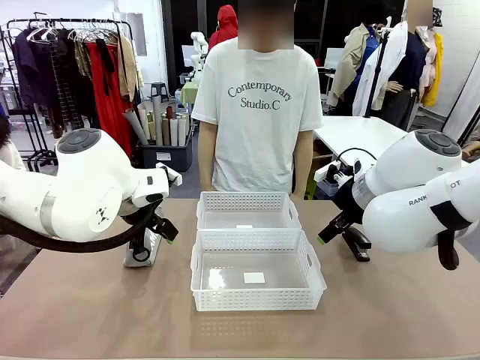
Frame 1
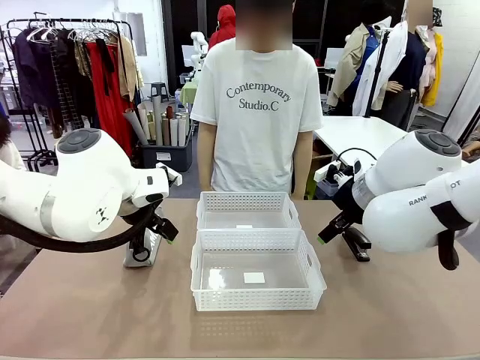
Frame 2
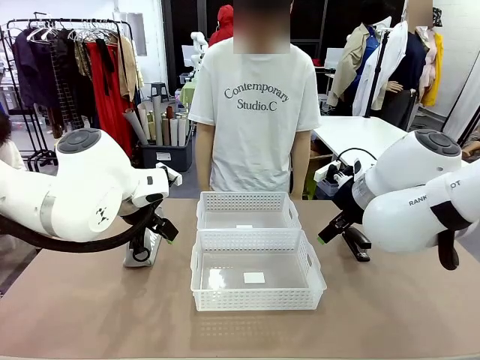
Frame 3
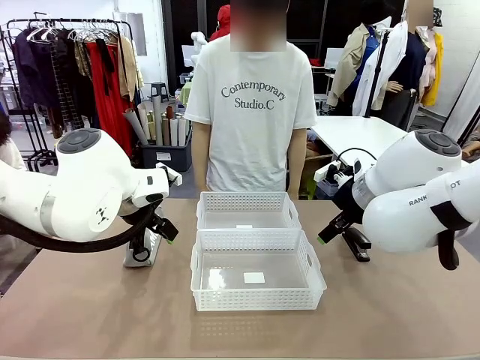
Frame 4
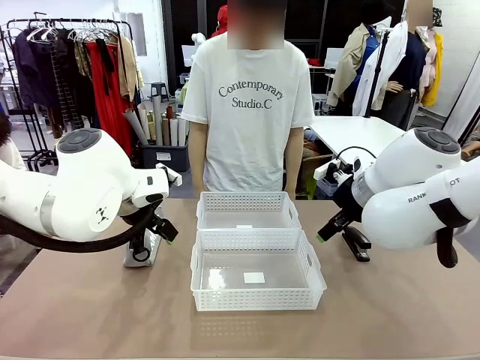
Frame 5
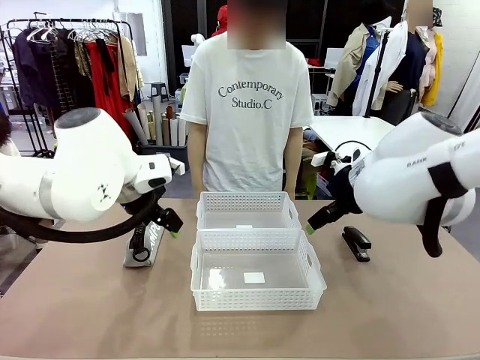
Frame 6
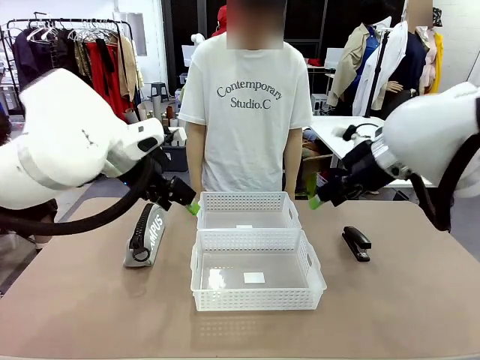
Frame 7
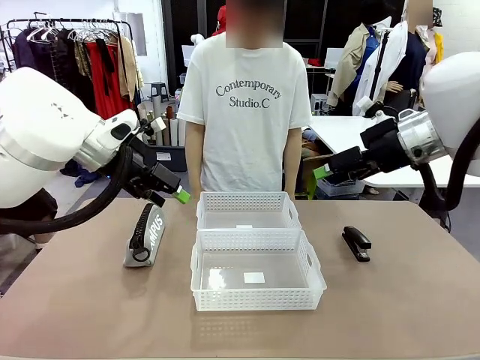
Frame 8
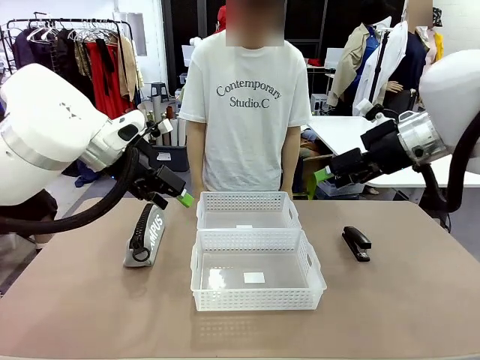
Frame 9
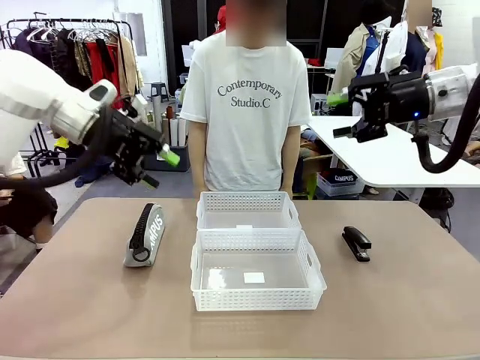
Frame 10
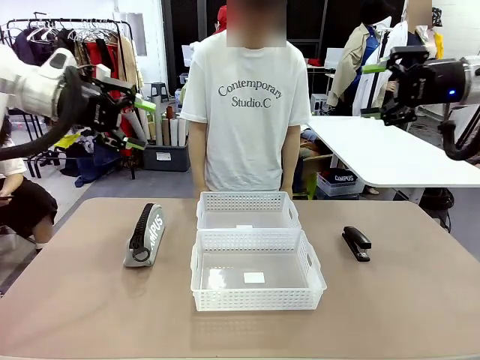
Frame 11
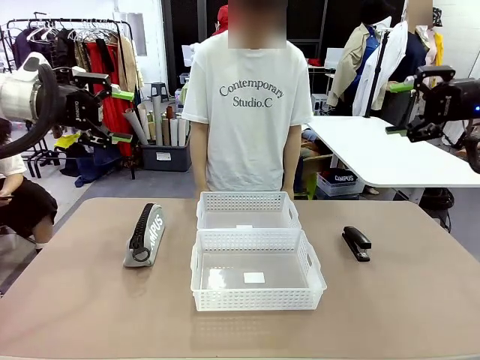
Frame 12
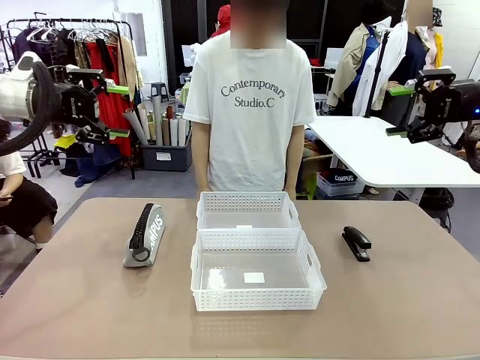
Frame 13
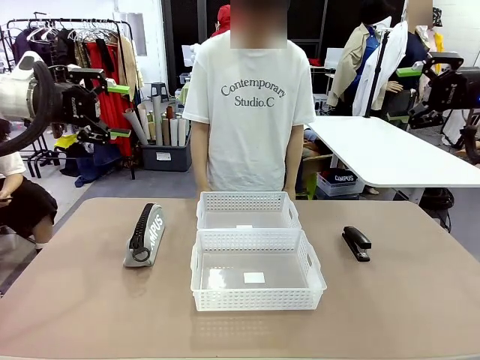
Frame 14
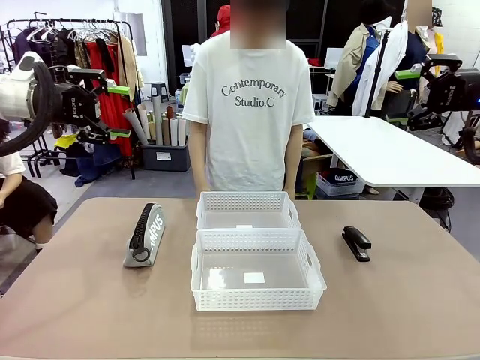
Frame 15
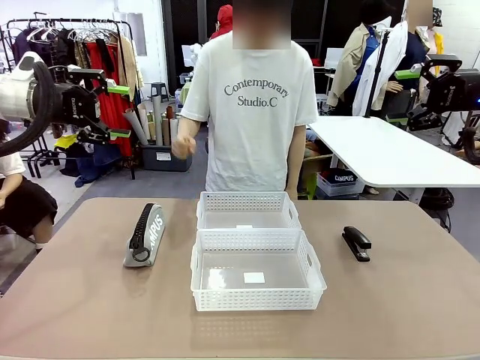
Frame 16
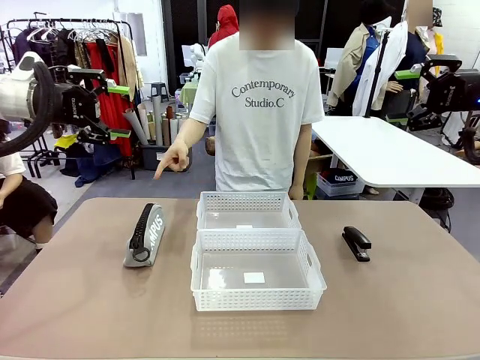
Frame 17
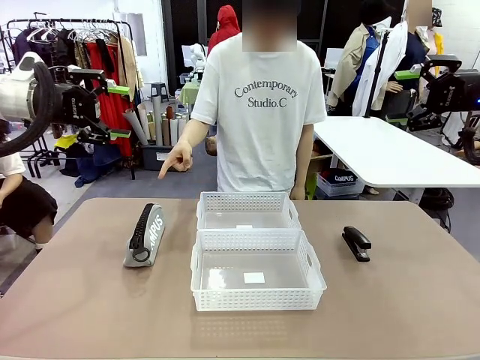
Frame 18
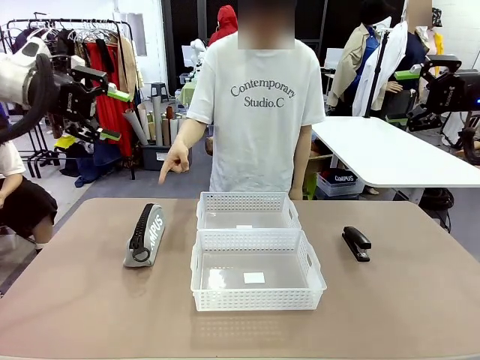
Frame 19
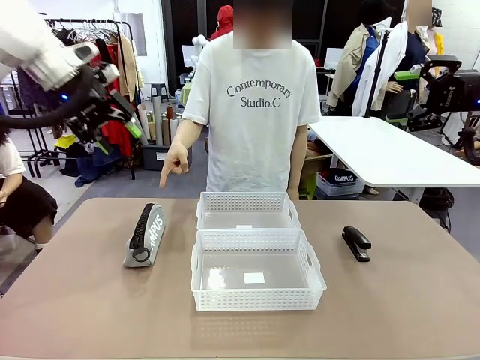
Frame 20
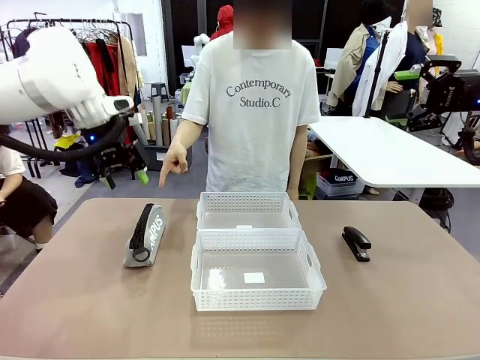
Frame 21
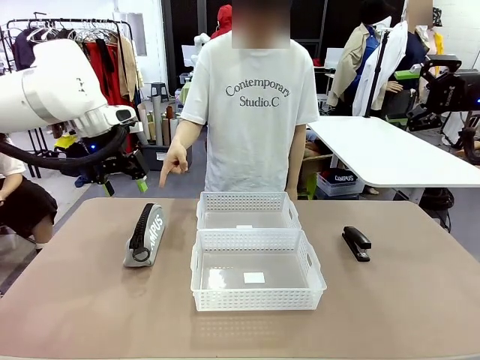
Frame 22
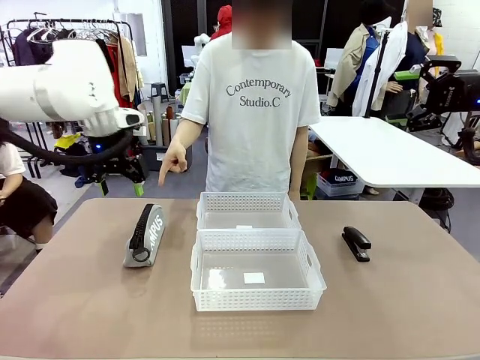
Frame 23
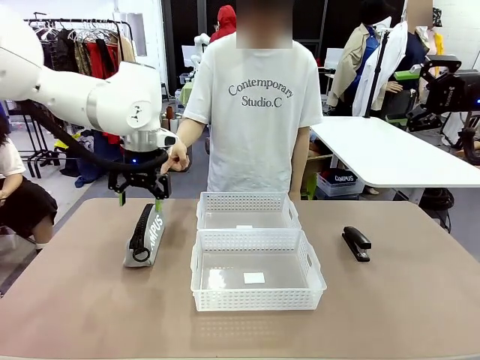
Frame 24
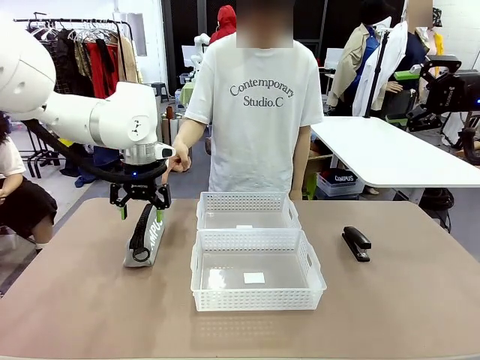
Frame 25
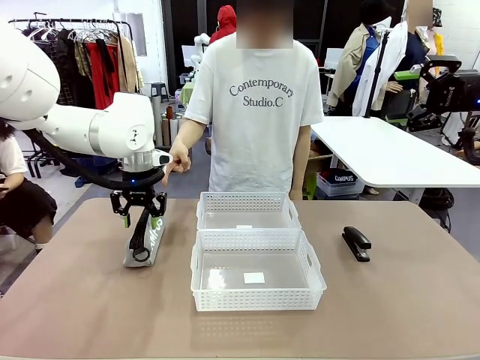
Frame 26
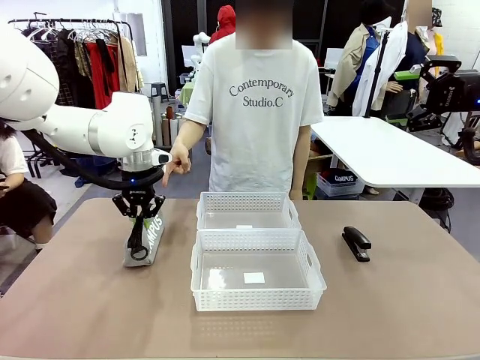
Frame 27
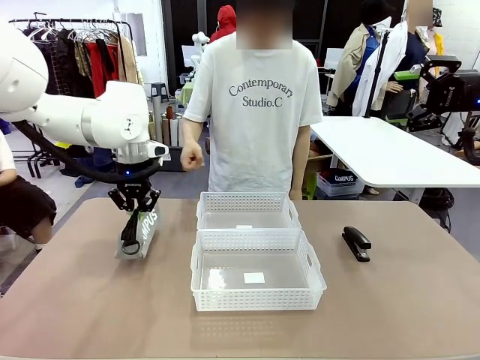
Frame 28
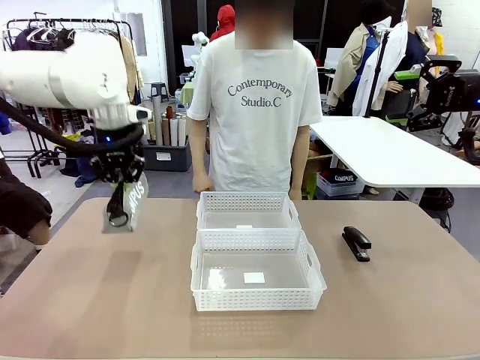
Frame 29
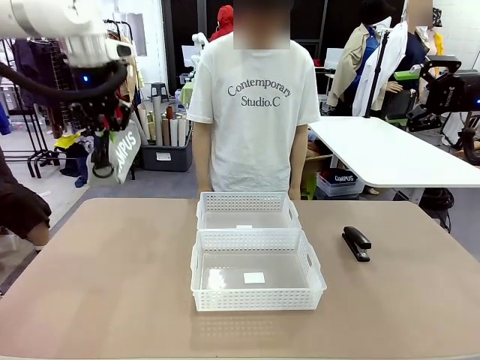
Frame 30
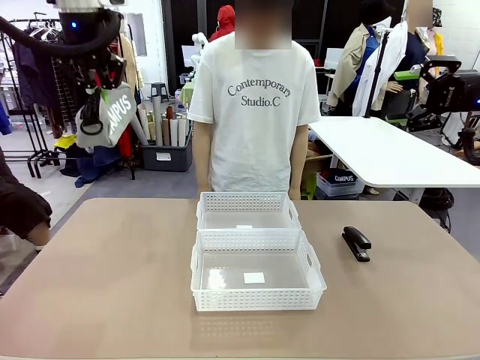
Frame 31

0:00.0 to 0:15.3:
Task: Distribute items into two baskets.
Robot: Pick up the Pencil pouch that the person points to.
Person: Points to the pencil case. Points between the two organizing baskets and instructs the robot to move the pencil case.

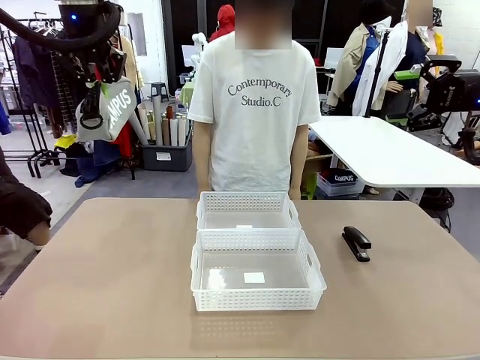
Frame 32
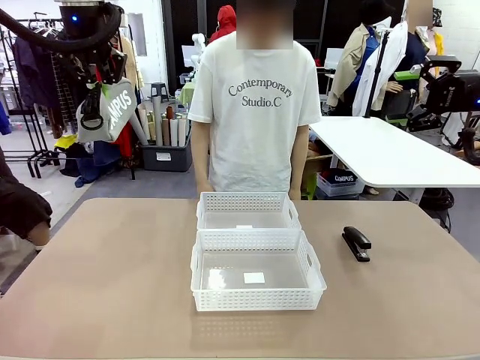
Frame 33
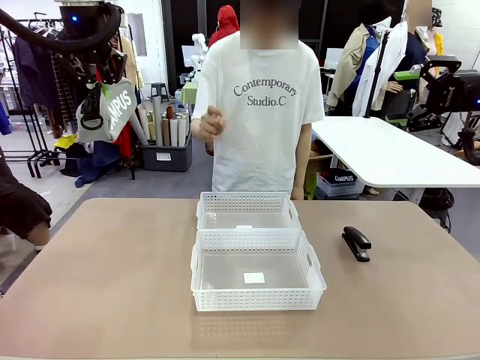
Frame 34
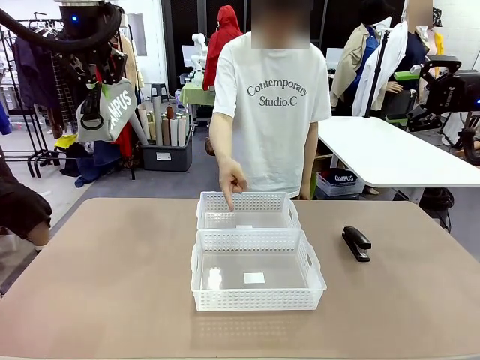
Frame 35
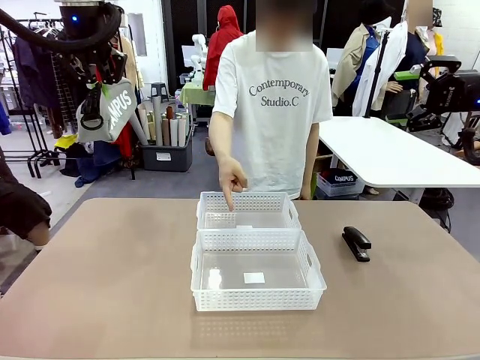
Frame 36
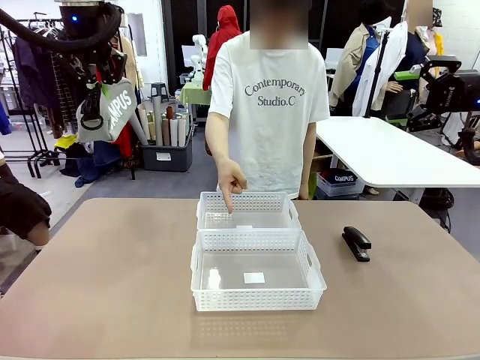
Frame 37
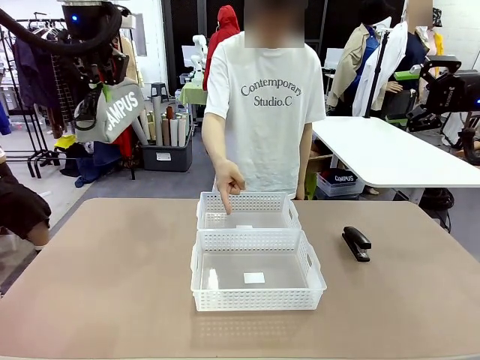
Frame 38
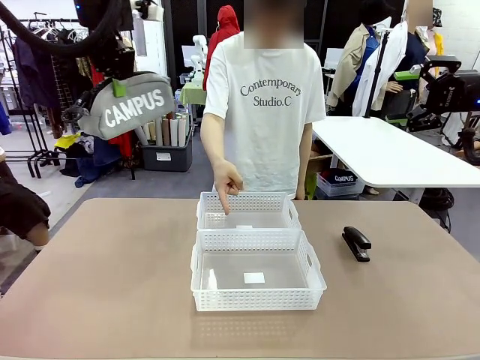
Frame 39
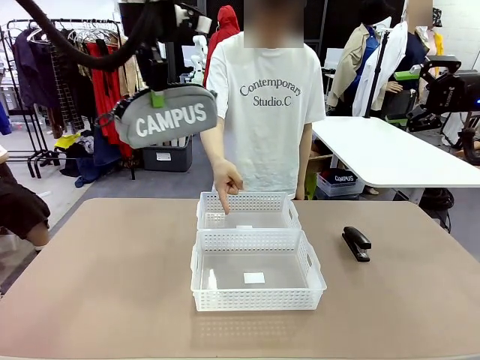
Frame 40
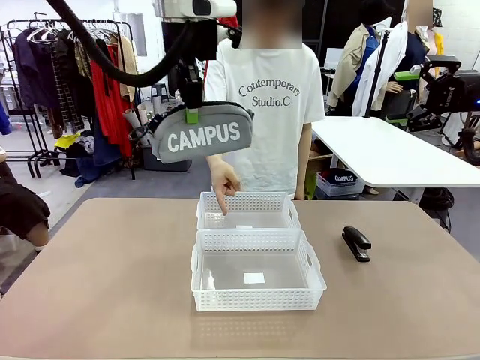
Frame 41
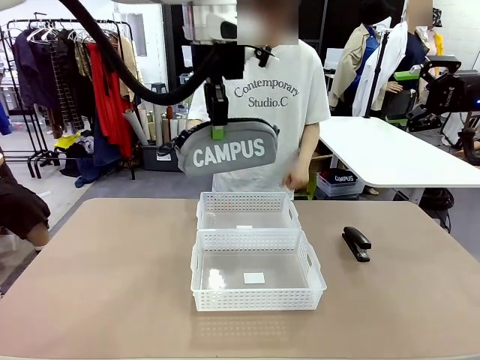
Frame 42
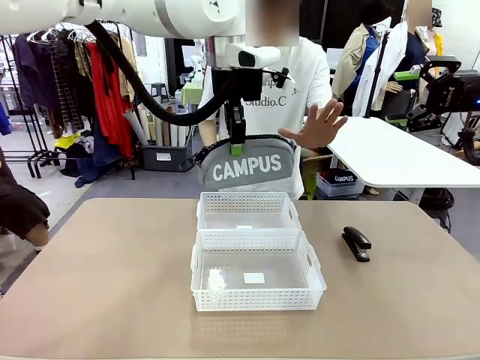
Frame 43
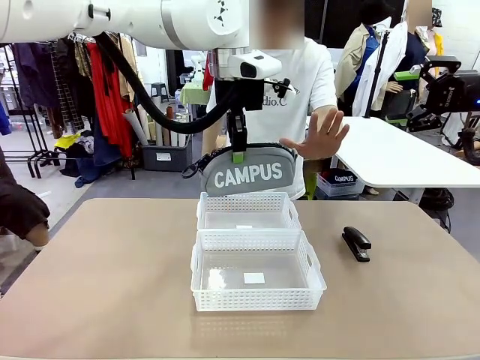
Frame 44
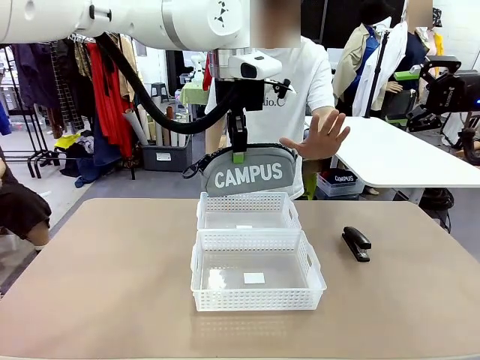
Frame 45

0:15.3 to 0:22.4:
Robot: Move the picked Pencil pouch towards the Organizing basket indicated by the person, stopping as directed.
Person: Sends a stop gesture before the robot places the pencil case into the basket.

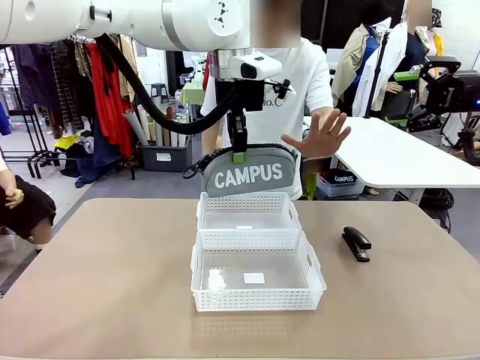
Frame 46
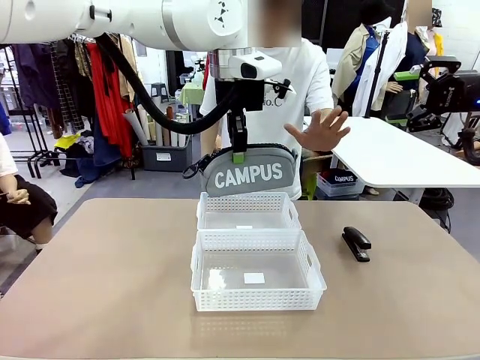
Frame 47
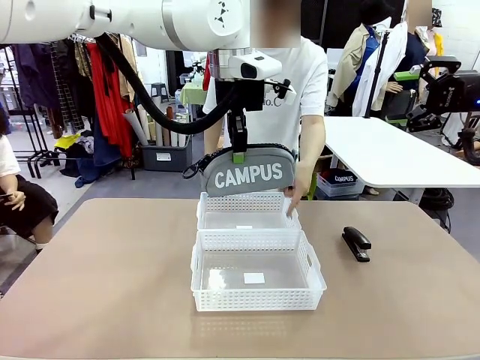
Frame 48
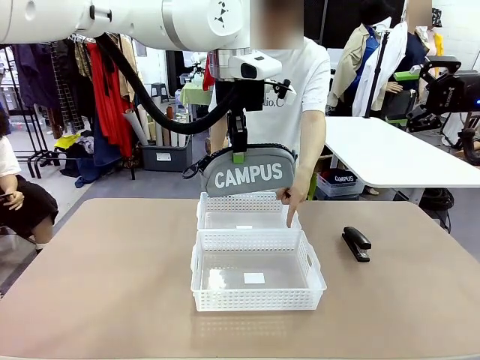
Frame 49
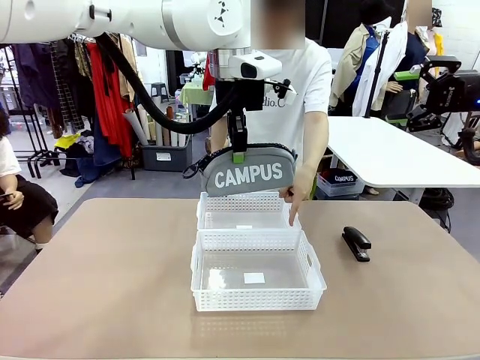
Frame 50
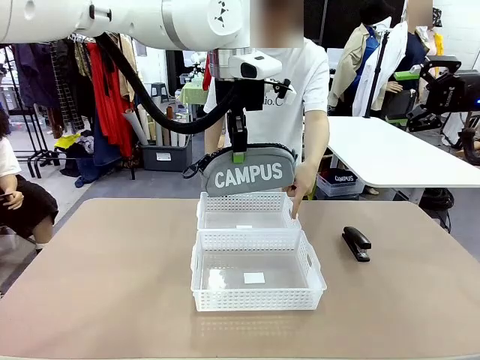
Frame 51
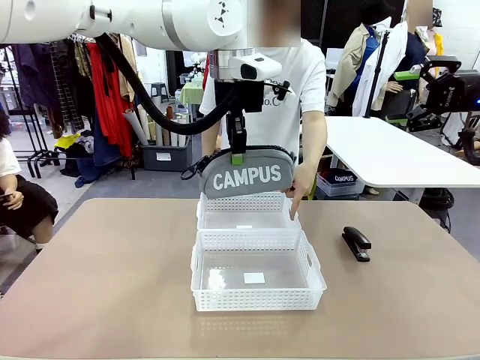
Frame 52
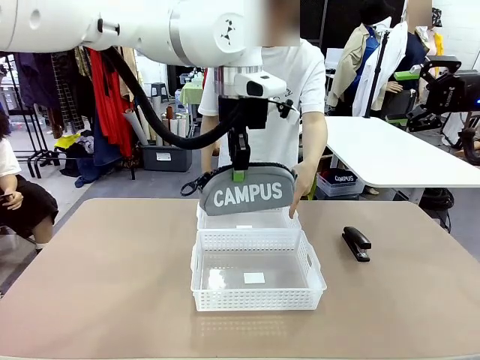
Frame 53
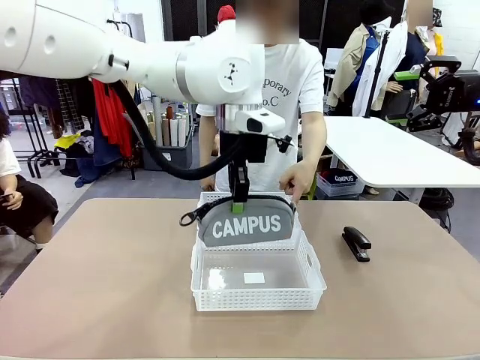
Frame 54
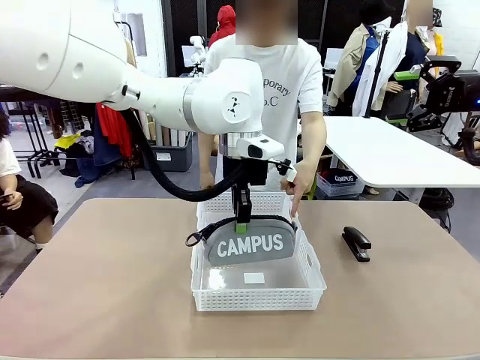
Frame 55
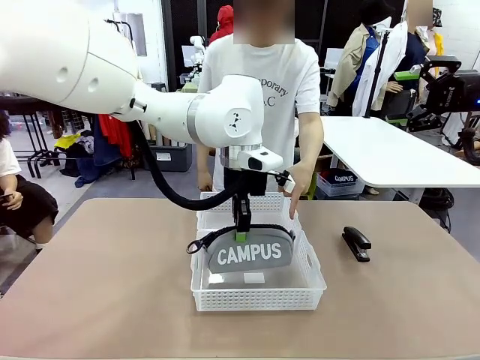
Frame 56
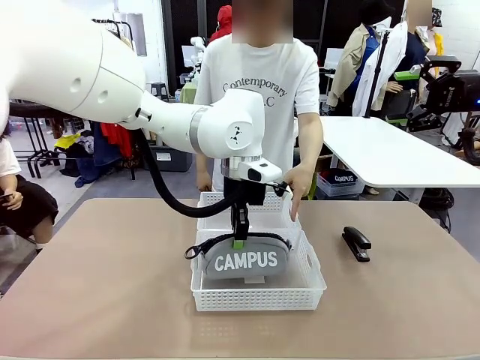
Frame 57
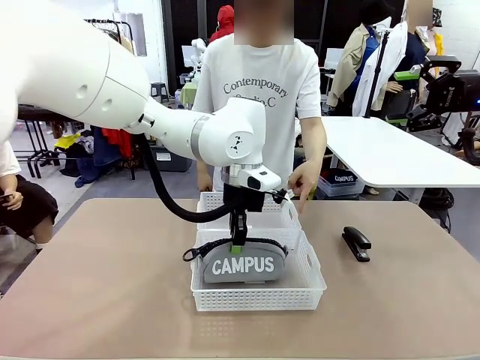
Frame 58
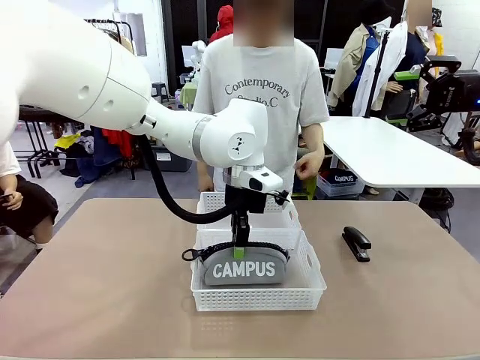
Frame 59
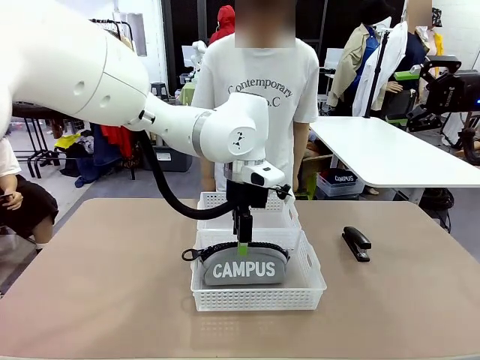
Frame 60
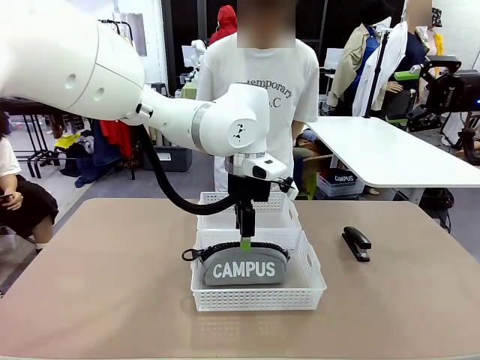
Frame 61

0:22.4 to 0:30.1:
Robot: Place the picked Pencil pouch into the Organizing basket as instructed by the person.
Person: Instructs the robot to place the pencil case into the opposite basket.
